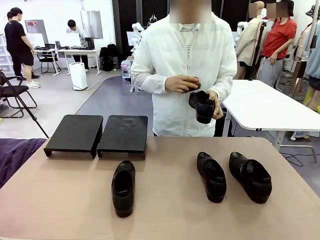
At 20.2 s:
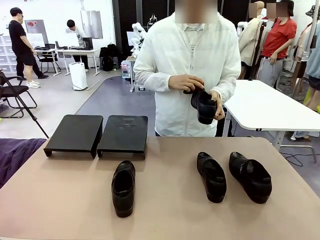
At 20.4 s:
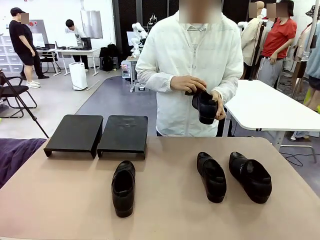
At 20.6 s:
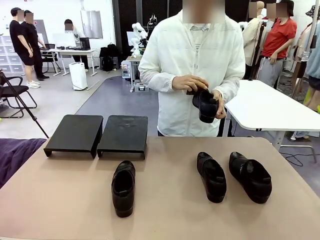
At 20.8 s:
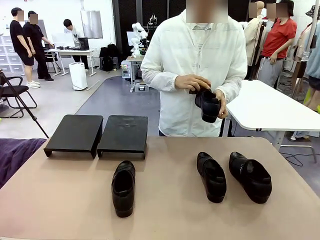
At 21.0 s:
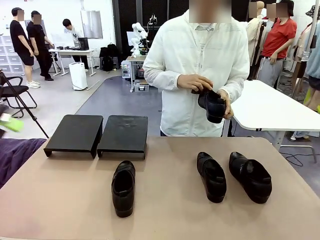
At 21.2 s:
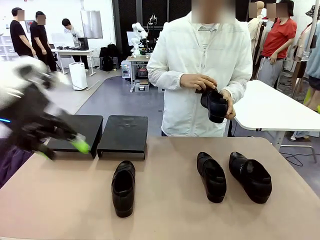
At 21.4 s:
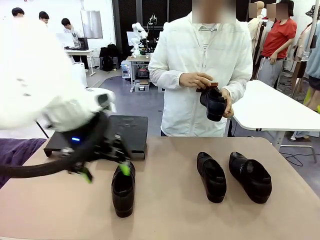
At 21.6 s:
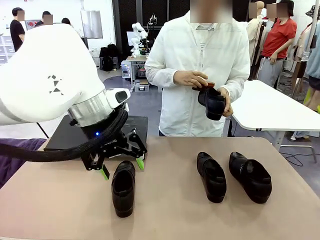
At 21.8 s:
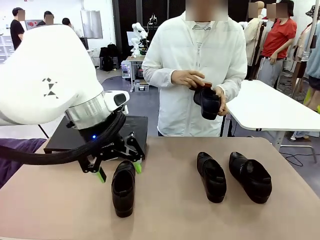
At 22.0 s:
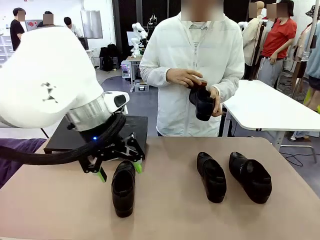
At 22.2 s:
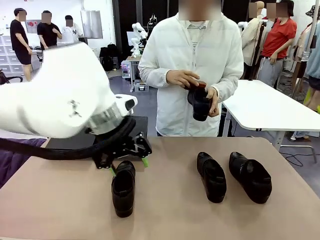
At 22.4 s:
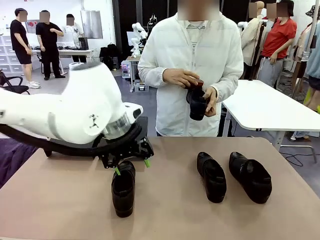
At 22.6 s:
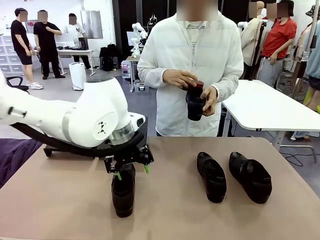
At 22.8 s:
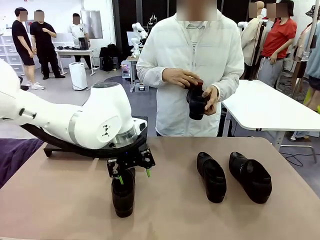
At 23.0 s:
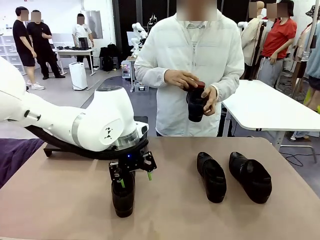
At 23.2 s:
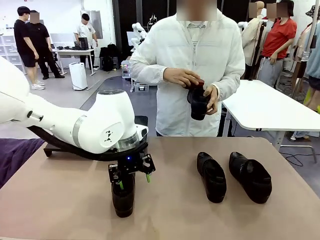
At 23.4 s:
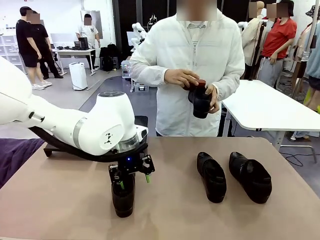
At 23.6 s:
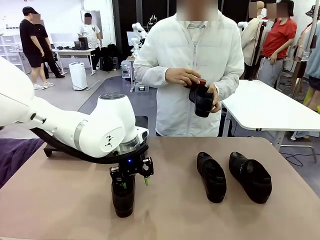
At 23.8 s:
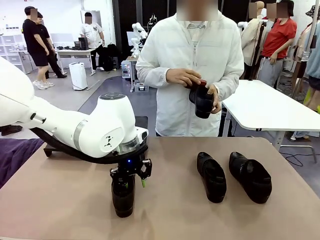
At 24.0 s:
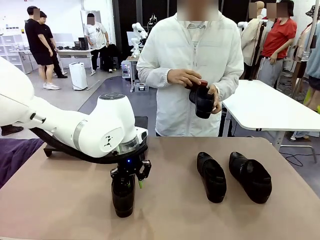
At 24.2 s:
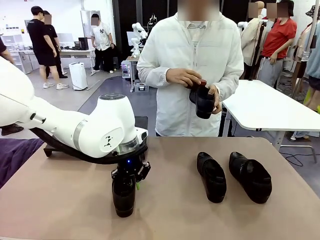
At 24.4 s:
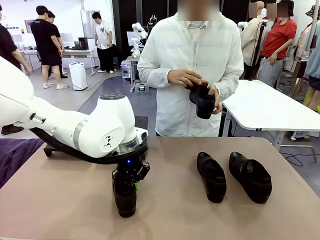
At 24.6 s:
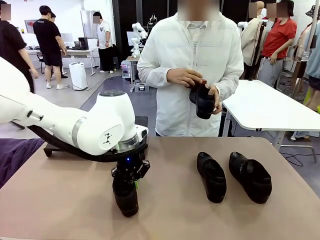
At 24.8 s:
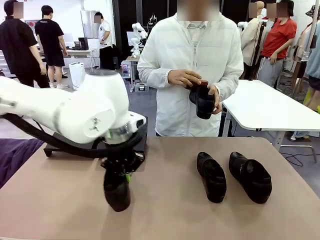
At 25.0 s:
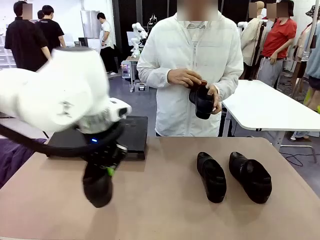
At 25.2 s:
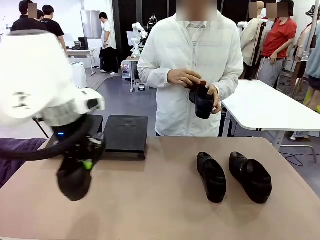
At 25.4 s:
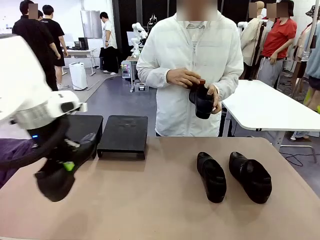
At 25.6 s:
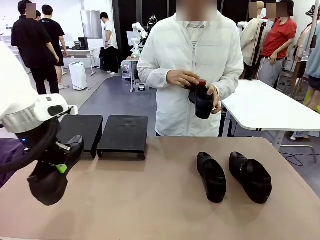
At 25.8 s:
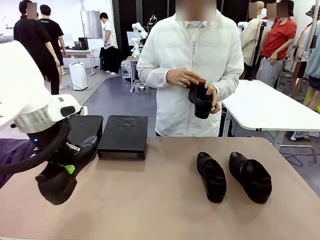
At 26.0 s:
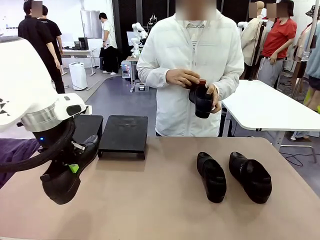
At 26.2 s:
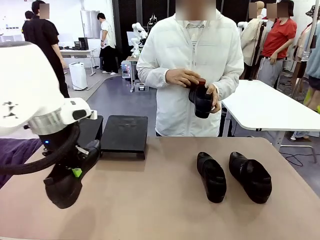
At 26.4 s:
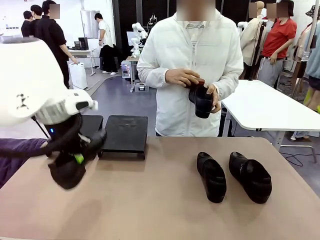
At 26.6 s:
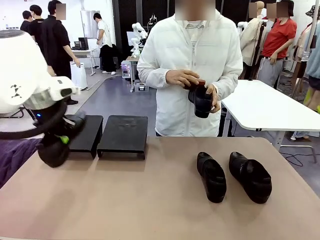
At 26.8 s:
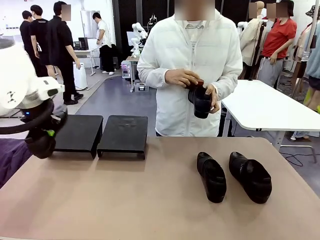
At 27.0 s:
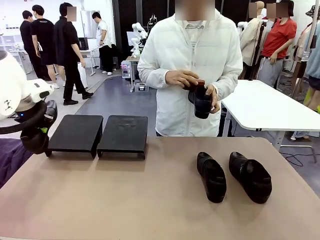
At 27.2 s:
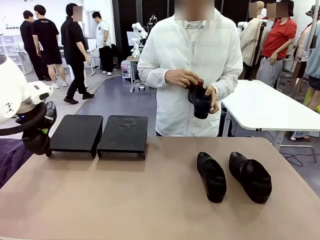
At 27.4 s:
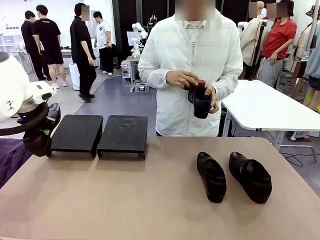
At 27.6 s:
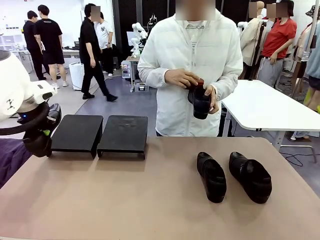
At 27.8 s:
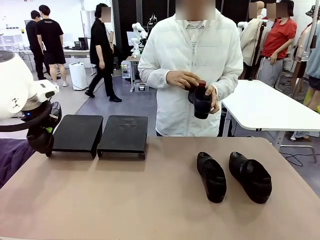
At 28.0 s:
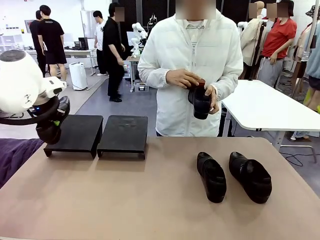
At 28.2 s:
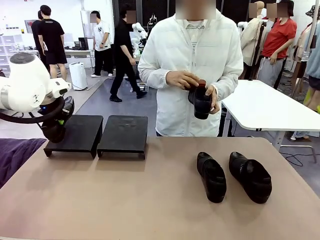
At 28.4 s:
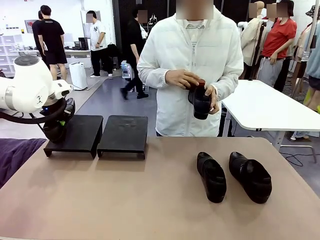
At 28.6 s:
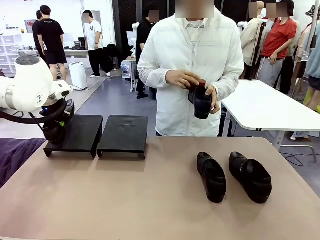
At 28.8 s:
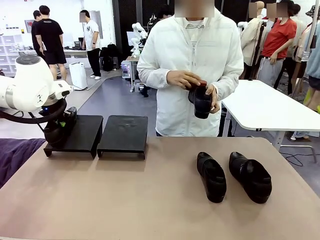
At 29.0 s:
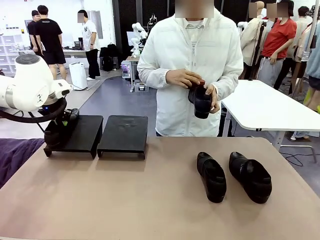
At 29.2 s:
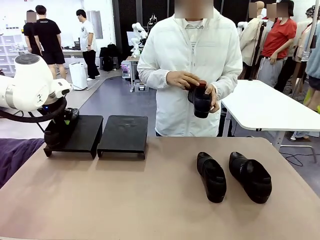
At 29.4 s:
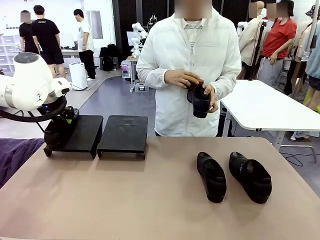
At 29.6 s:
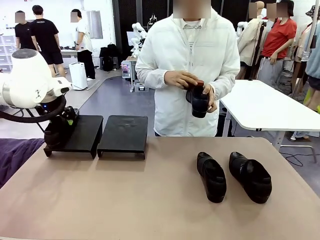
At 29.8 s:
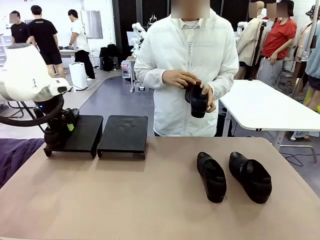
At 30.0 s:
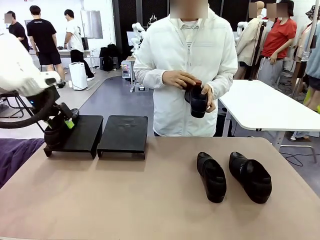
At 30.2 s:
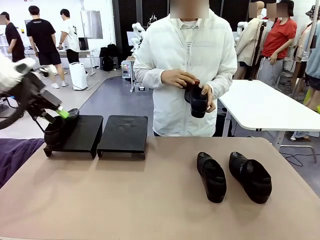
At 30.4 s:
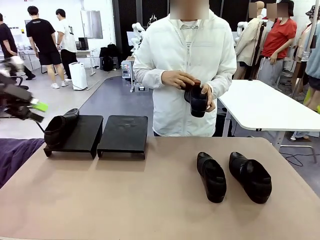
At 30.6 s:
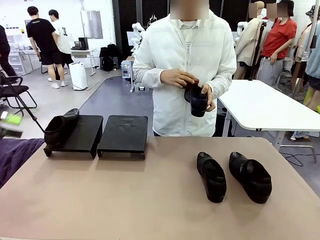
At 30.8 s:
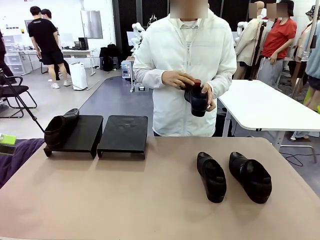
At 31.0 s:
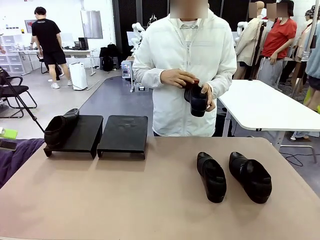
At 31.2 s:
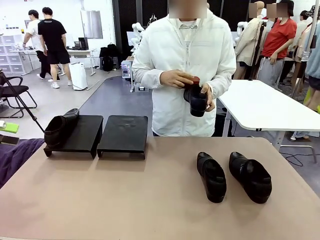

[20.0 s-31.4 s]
Task: Organize the shoes by placing them on the stand.
Robot: Place the Shoe from the middle of the table onto the Shoes Stand.
Person: Clean the Shoe with the Shoe Brush.

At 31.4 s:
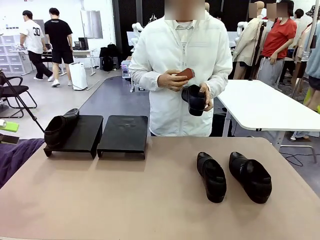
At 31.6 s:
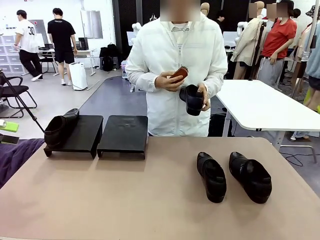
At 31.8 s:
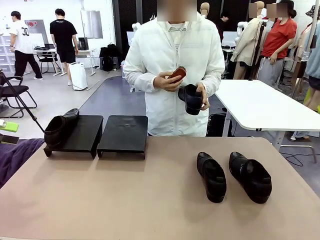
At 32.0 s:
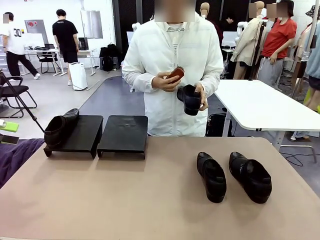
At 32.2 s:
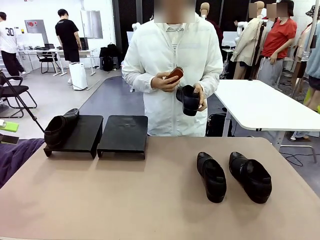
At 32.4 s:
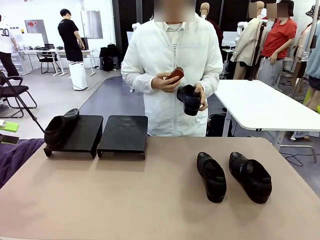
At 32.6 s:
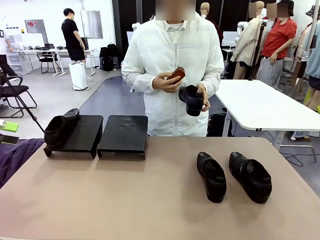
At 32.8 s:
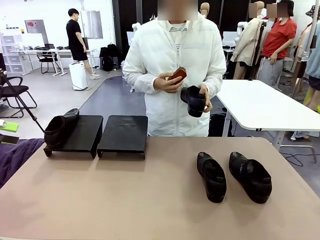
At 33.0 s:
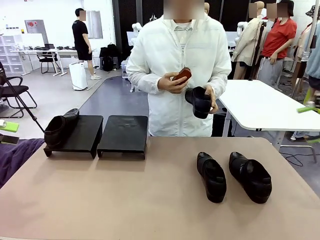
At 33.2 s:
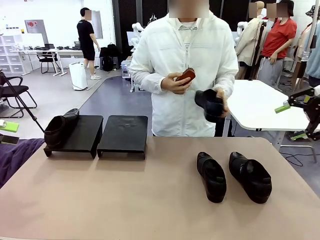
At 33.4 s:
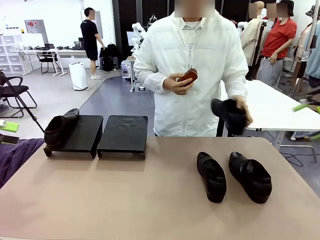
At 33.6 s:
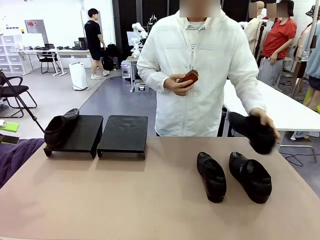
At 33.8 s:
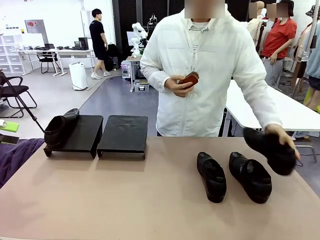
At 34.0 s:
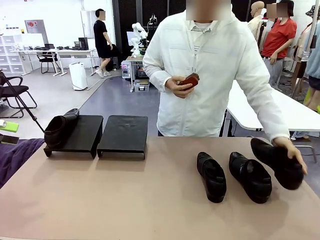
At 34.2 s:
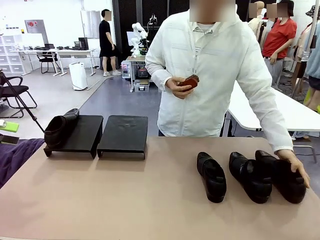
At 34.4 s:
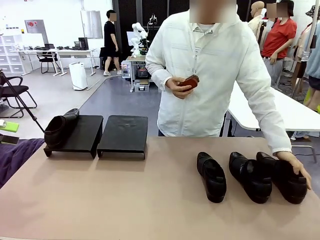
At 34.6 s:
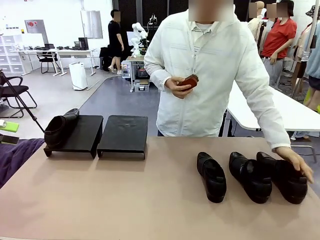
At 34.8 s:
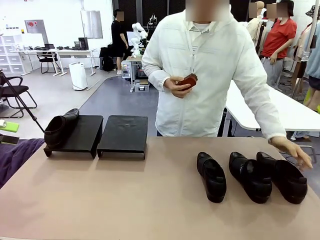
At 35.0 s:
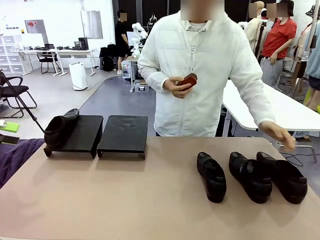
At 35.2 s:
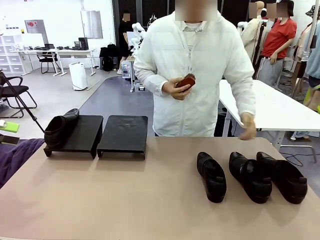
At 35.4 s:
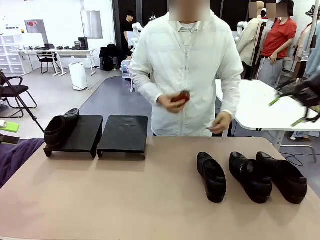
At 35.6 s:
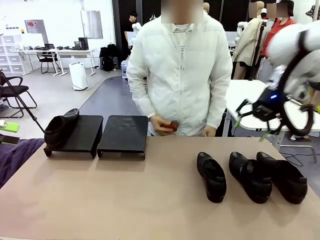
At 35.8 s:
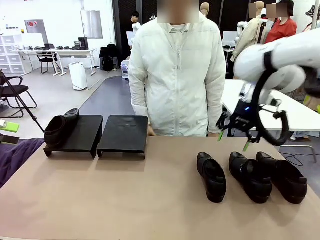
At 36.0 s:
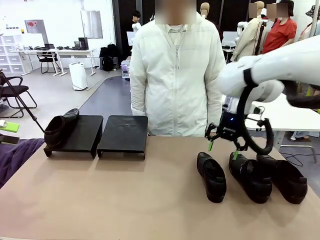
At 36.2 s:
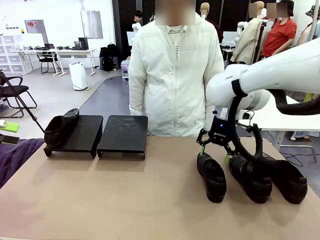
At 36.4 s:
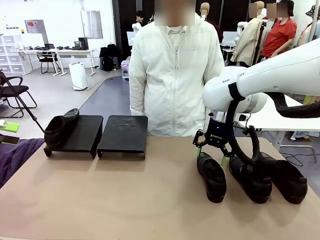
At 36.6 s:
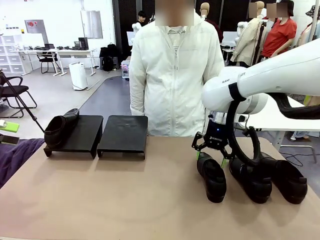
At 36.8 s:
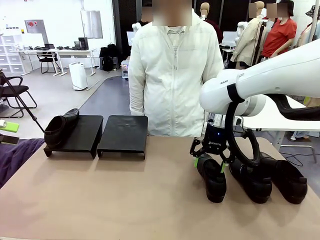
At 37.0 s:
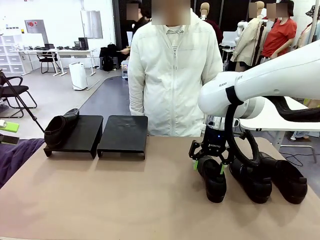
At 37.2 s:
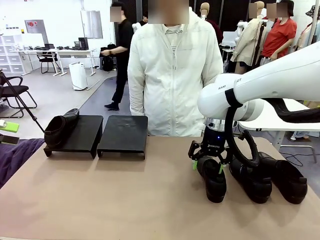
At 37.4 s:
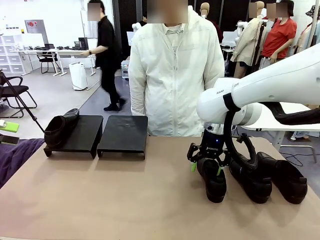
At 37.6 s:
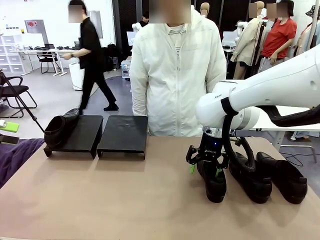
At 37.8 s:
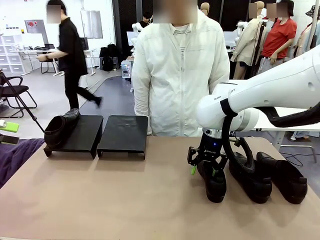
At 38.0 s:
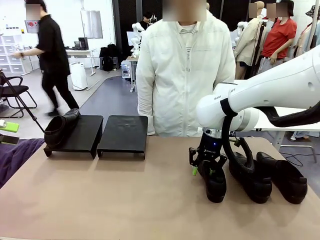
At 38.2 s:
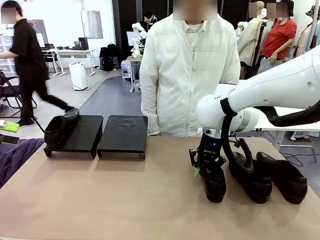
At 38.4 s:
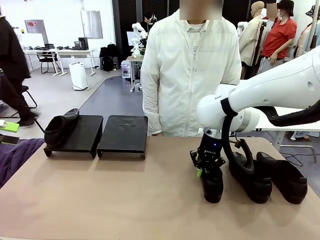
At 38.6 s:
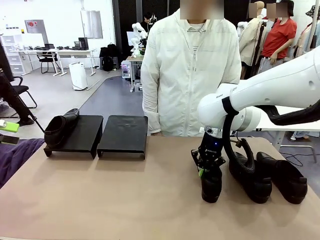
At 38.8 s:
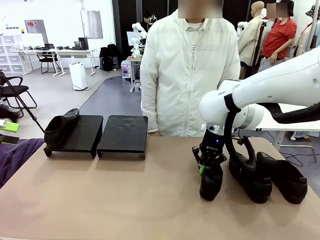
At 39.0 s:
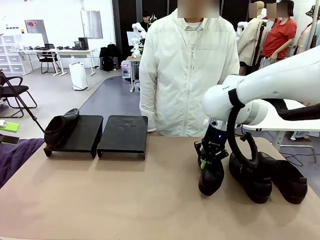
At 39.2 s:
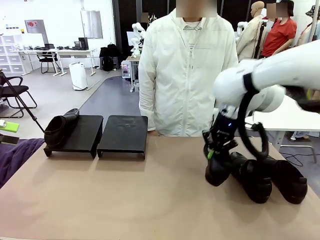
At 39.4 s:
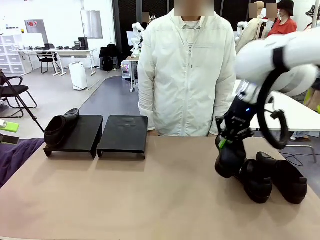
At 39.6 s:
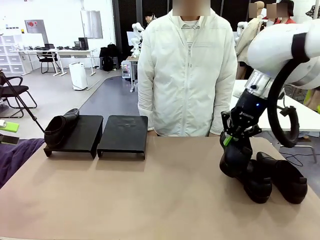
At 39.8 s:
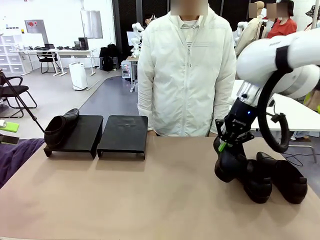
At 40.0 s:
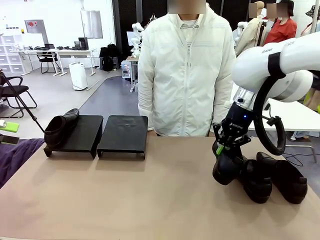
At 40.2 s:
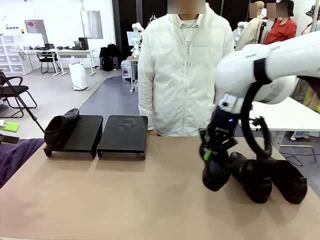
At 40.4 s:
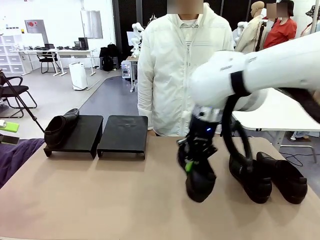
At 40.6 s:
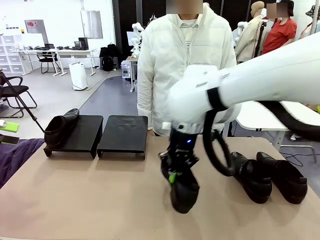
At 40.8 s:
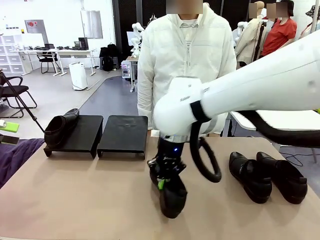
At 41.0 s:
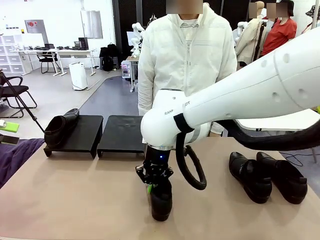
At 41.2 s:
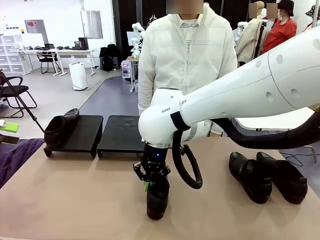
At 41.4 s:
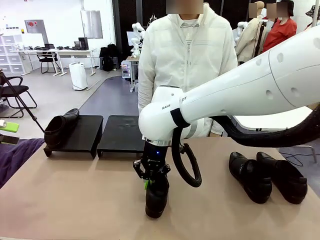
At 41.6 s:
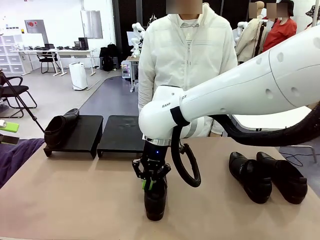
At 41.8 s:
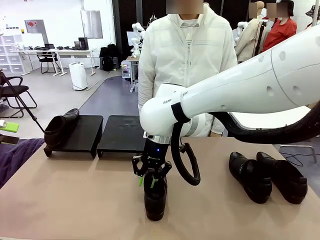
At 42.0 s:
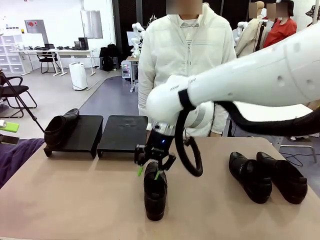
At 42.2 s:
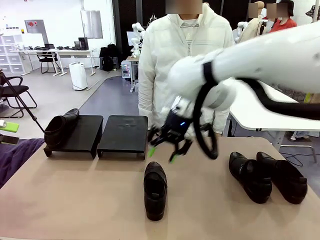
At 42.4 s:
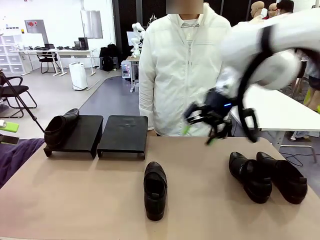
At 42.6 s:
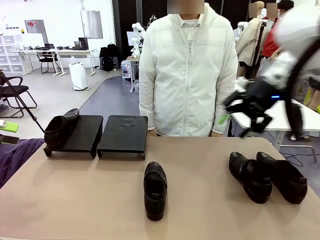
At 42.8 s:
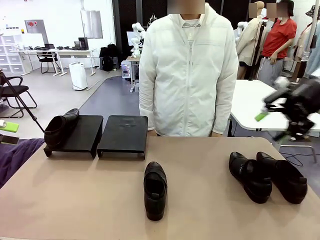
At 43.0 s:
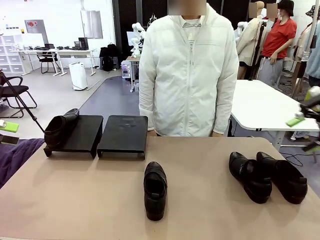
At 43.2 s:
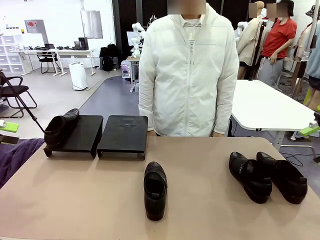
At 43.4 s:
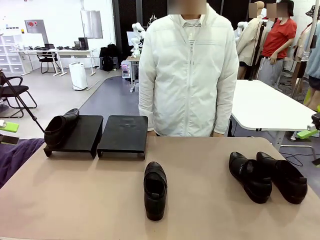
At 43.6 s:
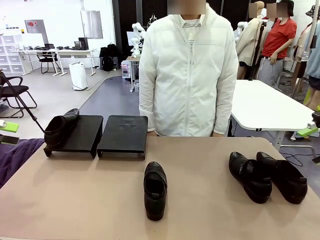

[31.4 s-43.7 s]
Robot: Pick up one Shoe and place it in the middle of the table.
